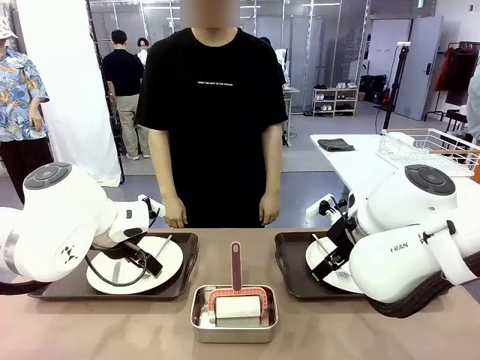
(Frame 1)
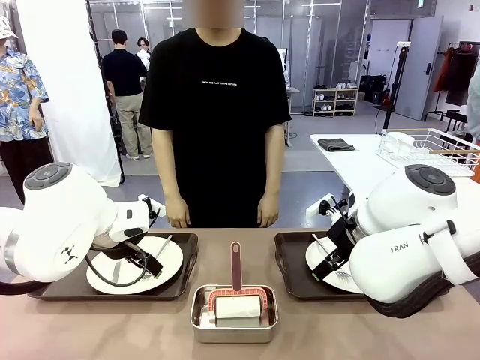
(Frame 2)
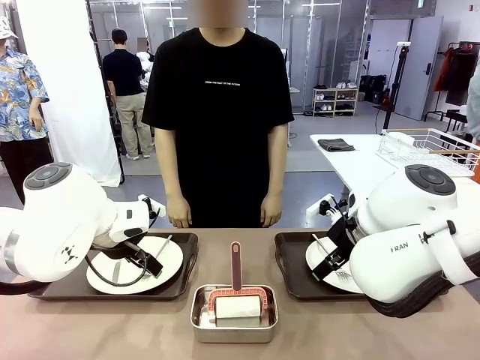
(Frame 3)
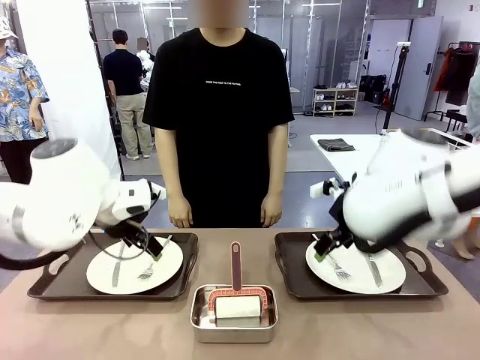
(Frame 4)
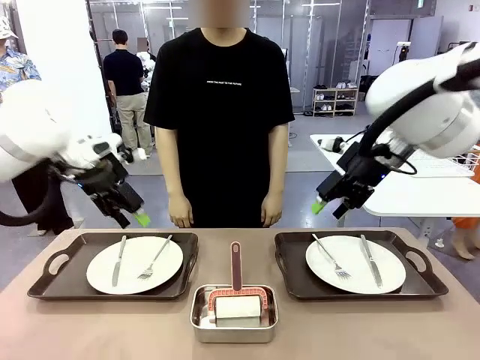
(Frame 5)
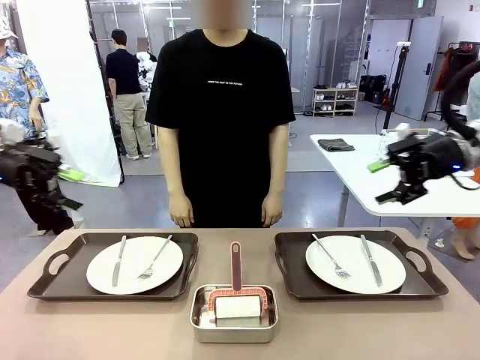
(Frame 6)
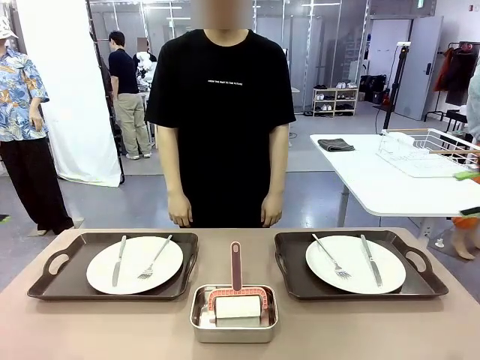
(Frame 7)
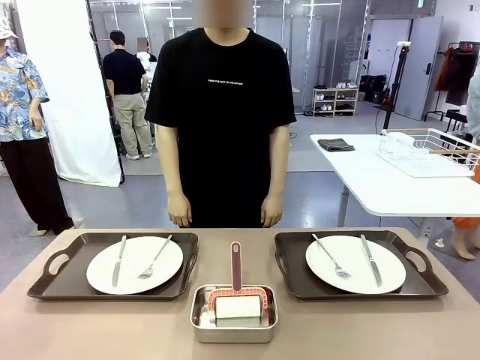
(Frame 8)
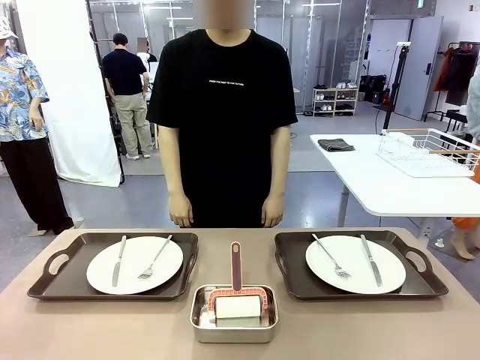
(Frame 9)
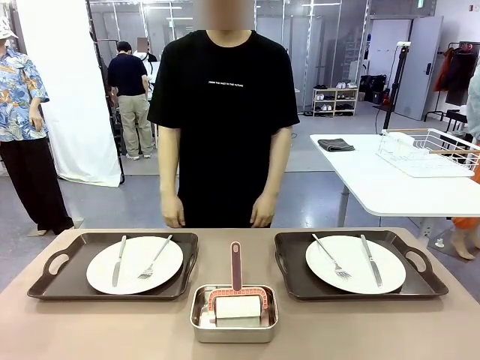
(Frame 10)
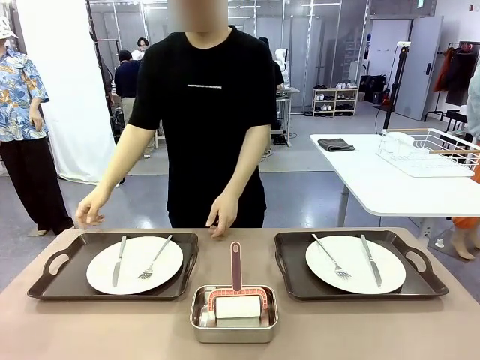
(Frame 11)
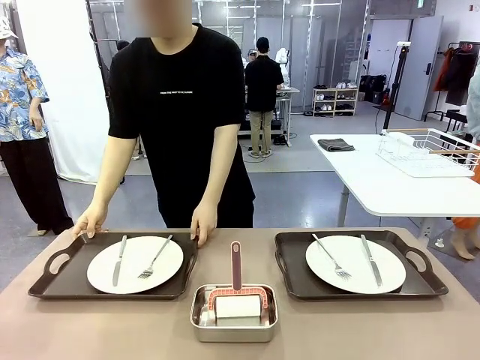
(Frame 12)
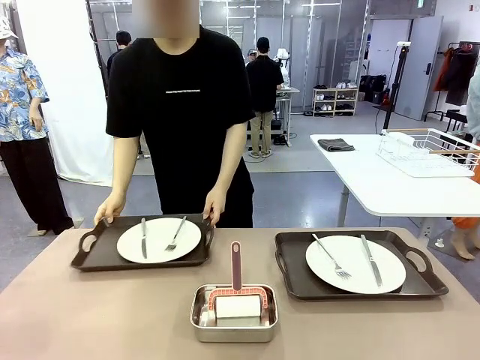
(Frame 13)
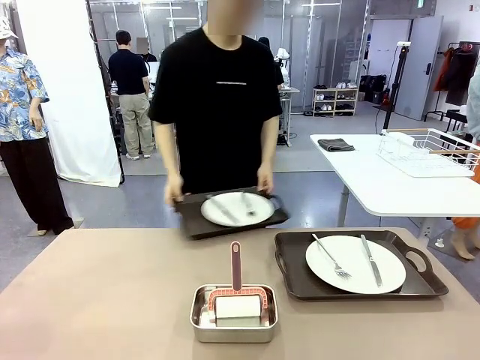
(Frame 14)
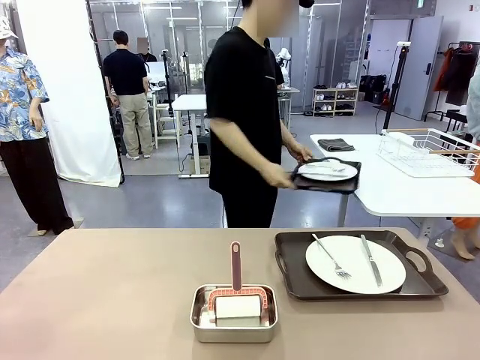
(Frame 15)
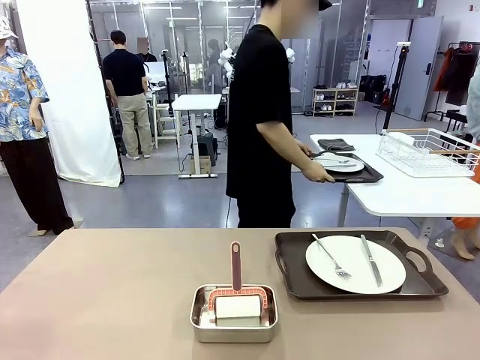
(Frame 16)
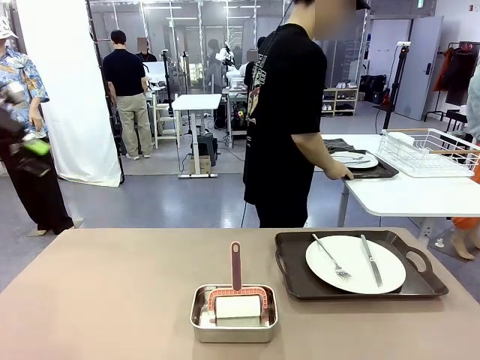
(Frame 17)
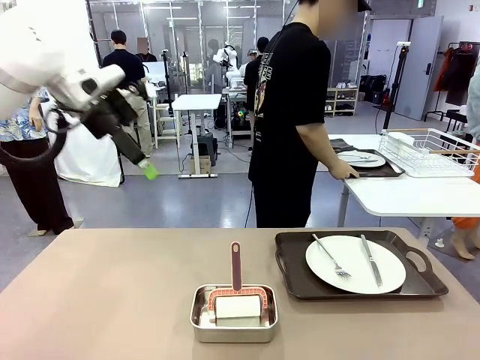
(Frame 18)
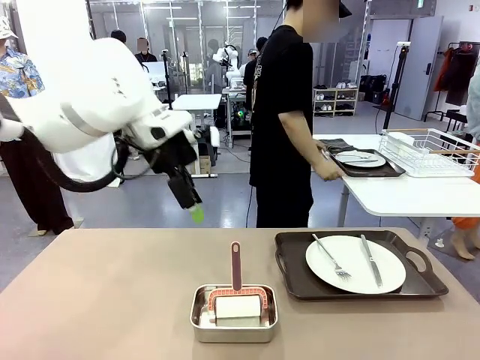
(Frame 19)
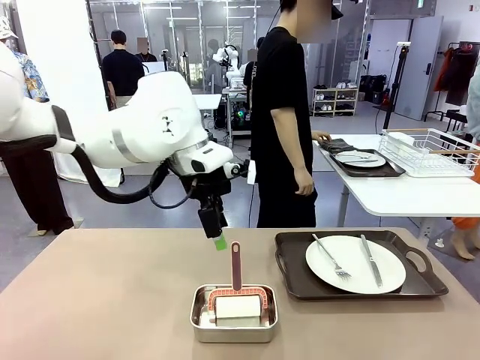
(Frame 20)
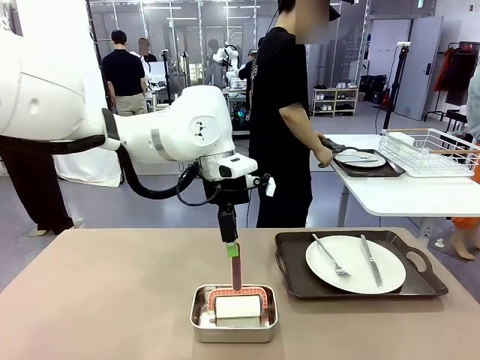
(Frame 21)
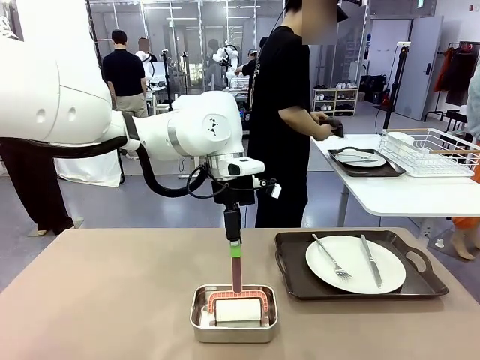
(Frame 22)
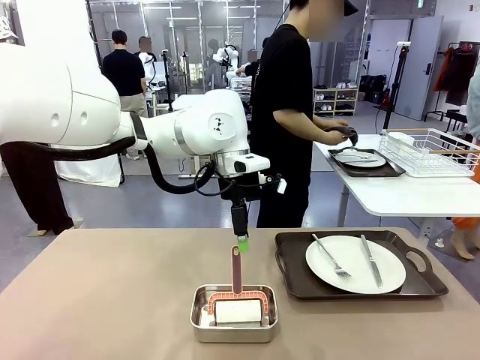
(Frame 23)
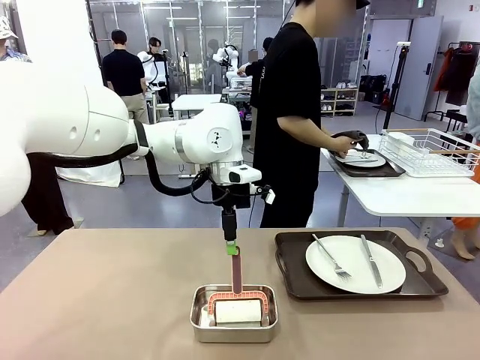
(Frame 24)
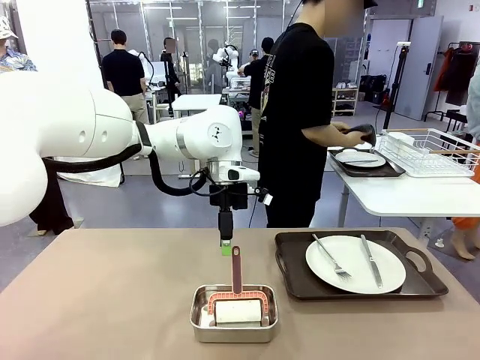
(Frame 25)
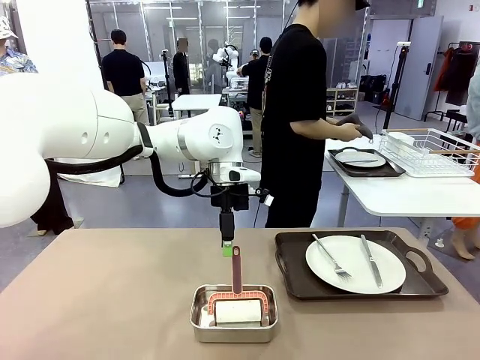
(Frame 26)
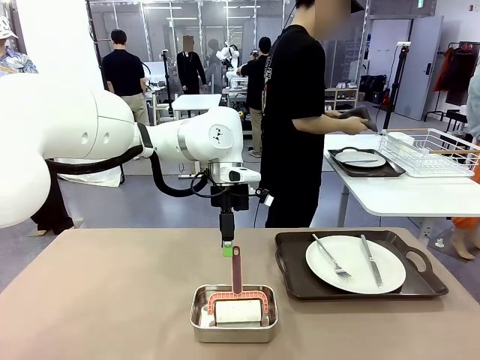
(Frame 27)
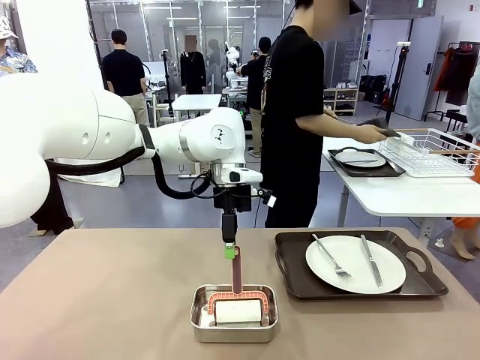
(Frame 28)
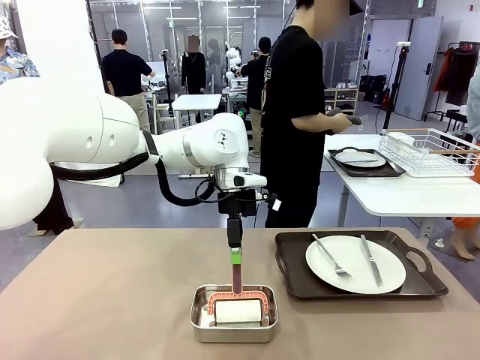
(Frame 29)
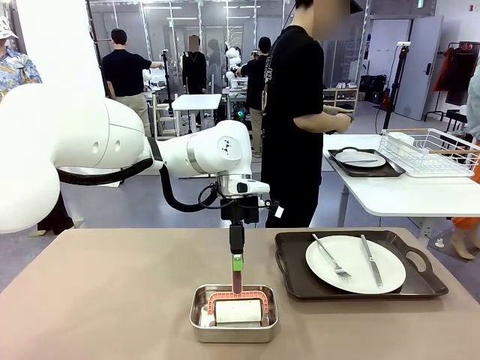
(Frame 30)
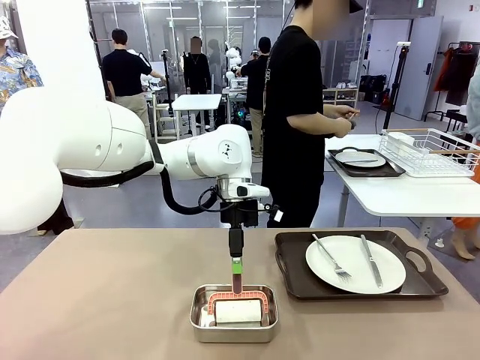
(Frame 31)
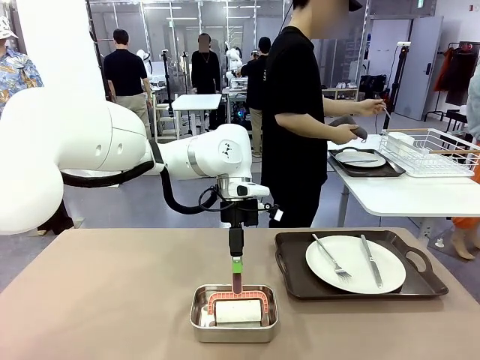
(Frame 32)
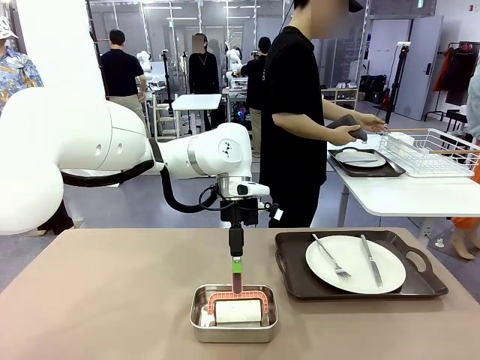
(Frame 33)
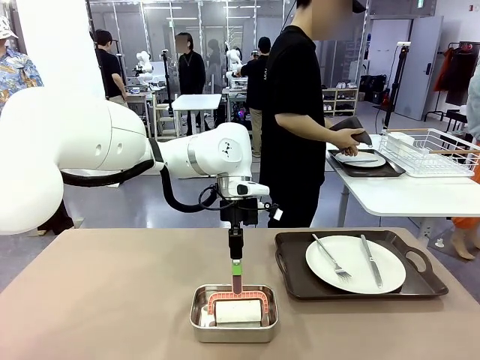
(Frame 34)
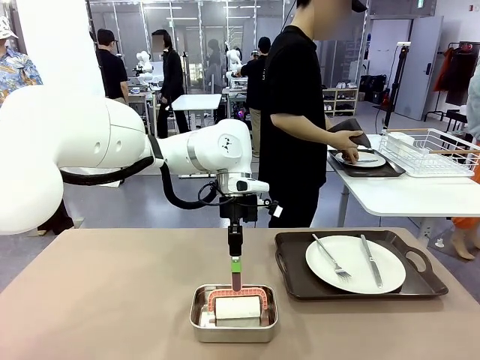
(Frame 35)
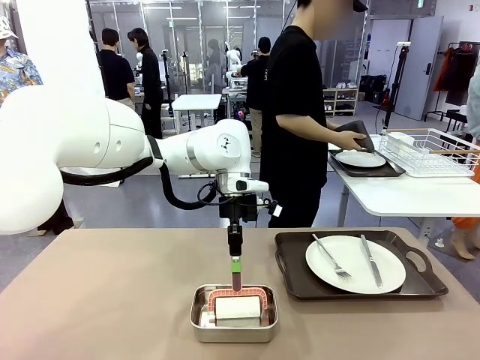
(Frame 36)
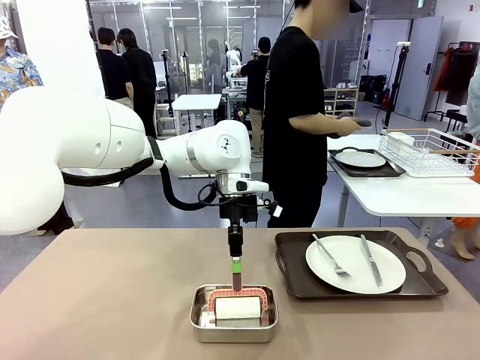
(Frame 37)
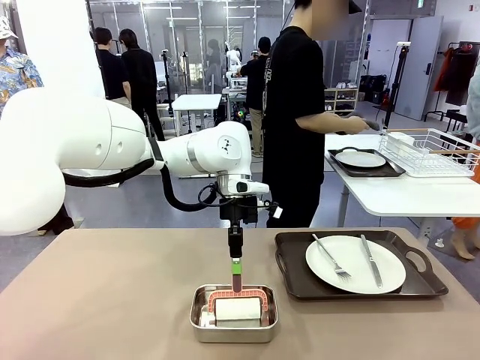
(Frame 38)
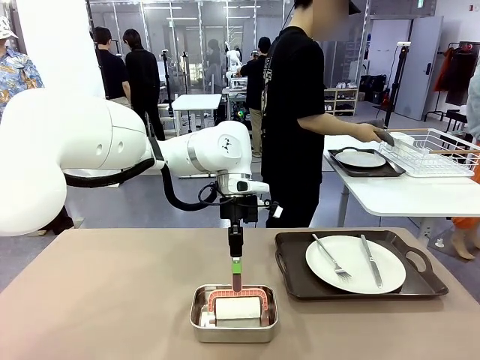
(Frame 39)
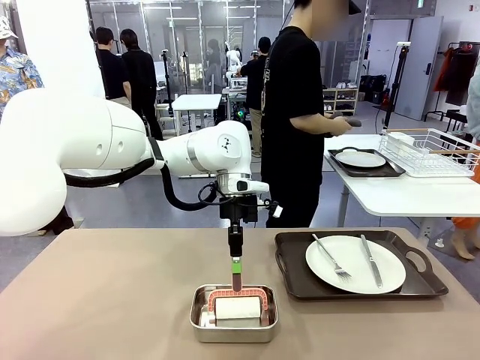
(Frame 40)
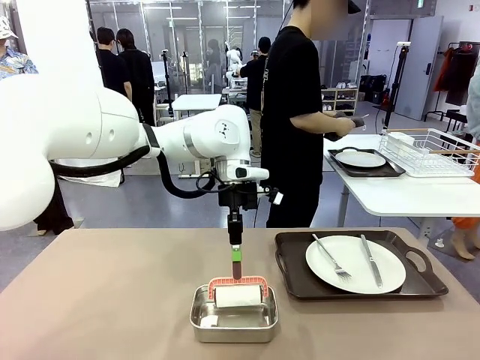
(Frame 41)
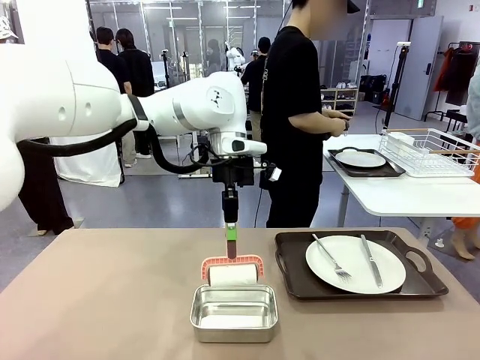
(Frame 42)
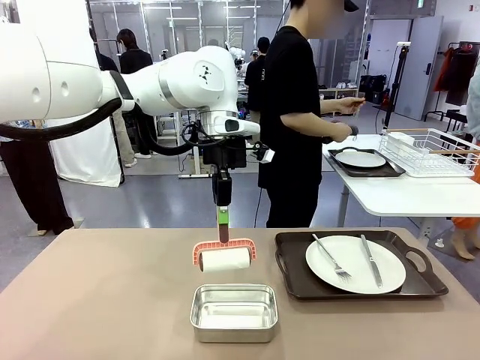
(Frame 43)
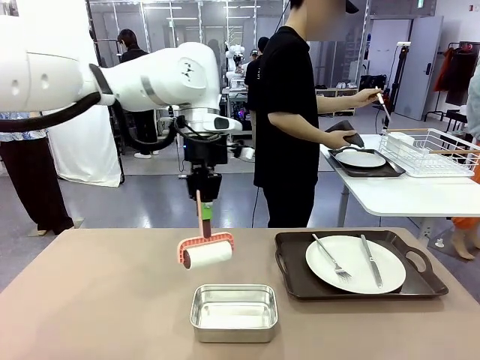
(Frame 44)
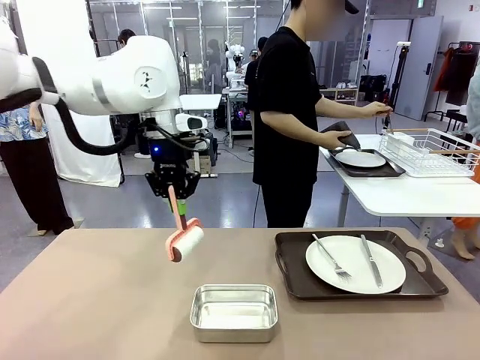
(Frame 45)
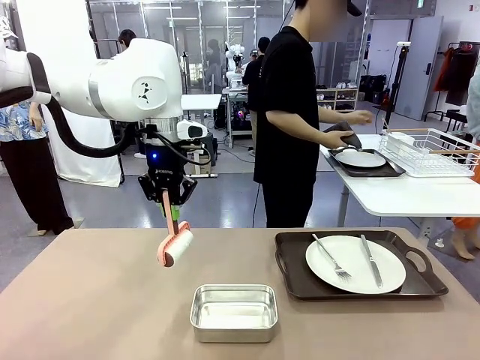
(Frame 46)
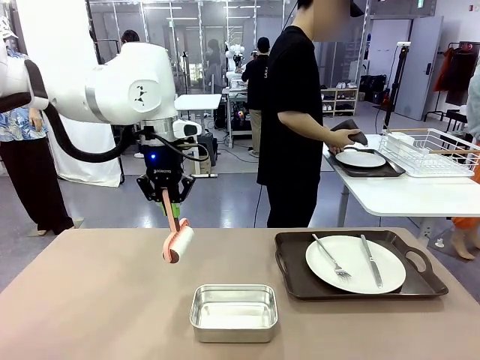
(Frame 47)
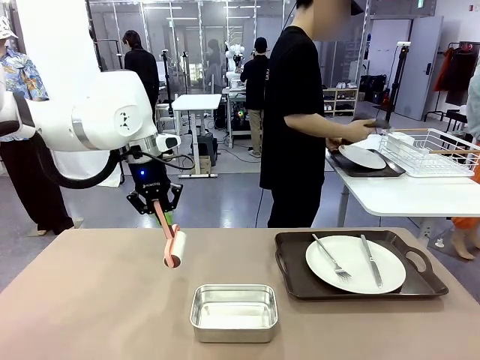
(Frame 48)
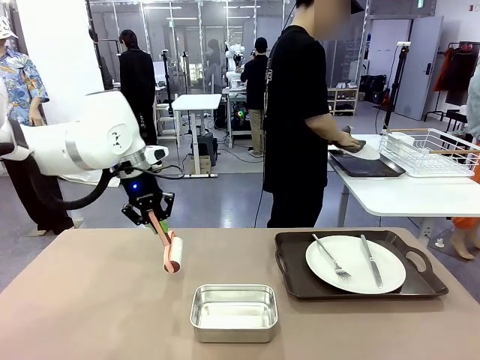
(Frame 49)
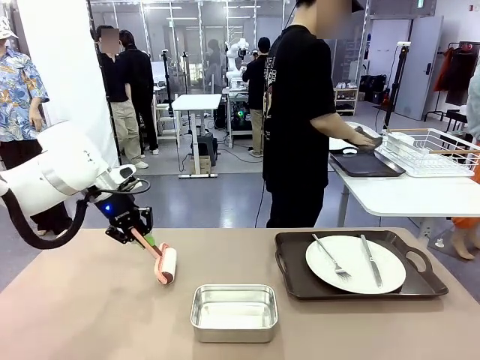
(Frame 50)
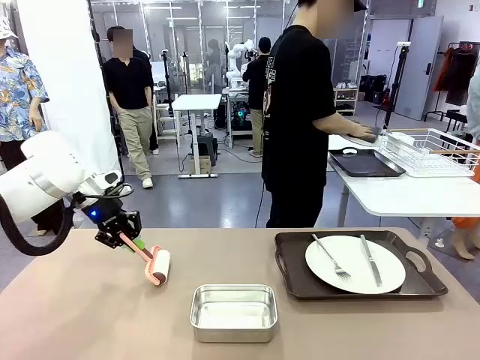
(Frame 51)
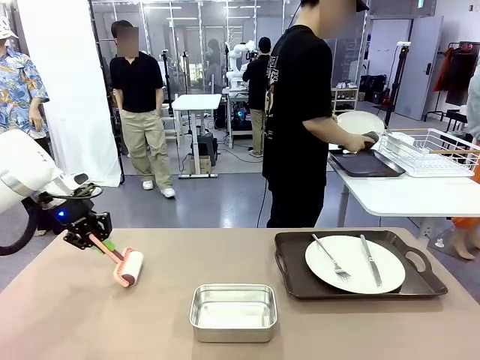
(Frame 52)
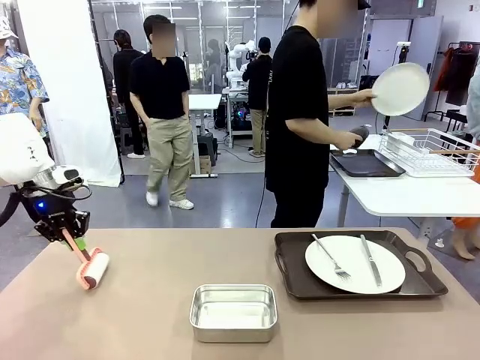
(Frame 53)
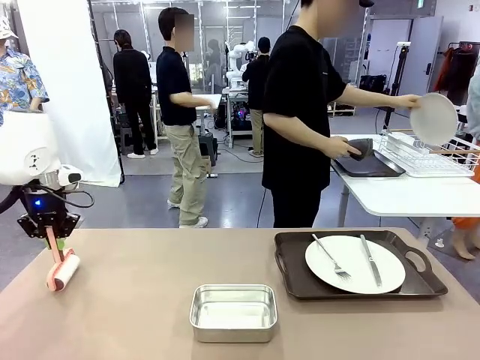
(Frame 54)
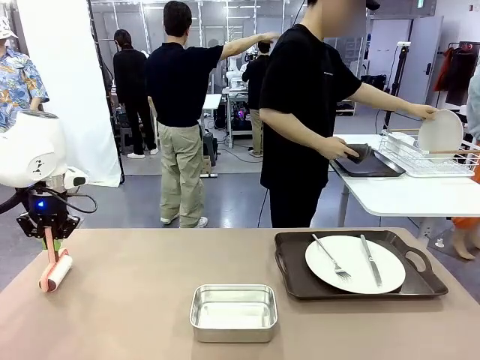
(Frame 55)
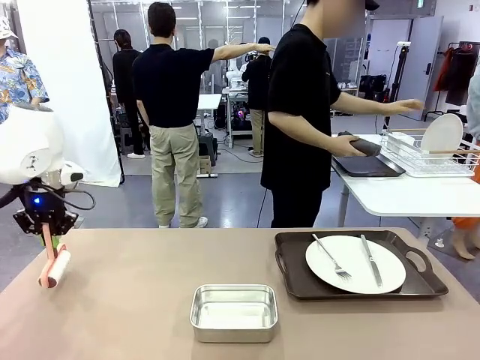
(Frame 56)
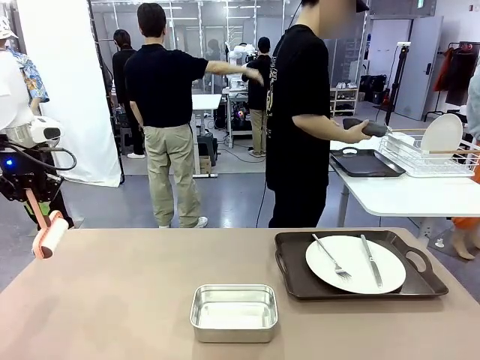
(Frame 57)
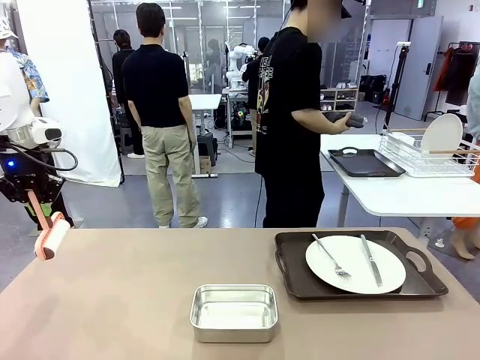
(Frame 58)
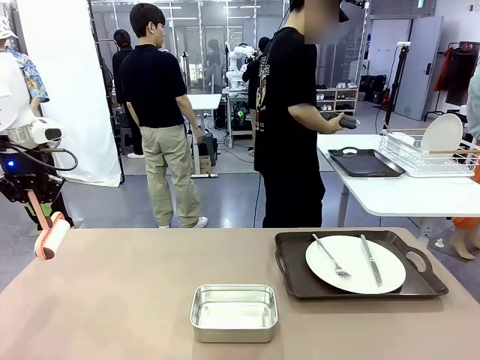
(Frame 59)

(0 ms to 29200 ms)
Robot: When the left (or right) Handle tray is removed, use the left hand (or right hand) to clean the left (or right) side of the table with the Lint Roller.
Person: Pick up the left (or right) Handle tray and place it on the middle of the Human's table. Use the Towel with hook to wipe the Plastic Matte Plate , Fork , and Knife and place into the Dish drying rack.
